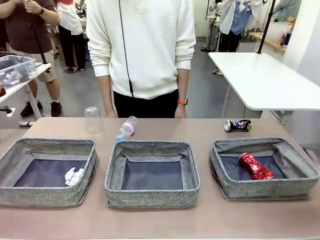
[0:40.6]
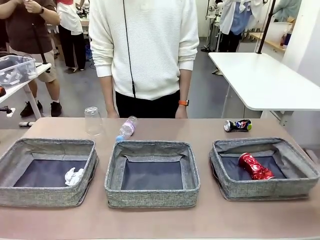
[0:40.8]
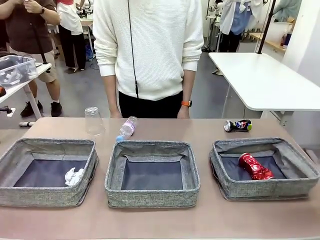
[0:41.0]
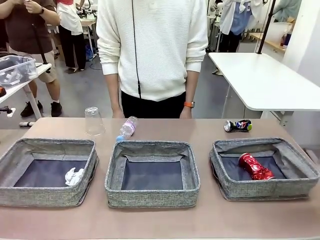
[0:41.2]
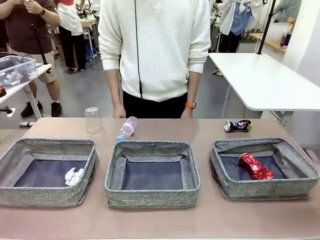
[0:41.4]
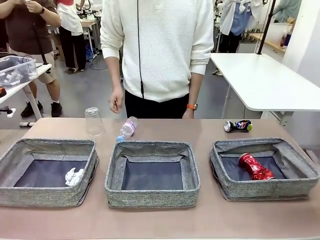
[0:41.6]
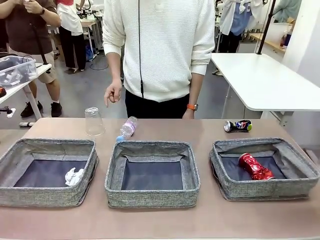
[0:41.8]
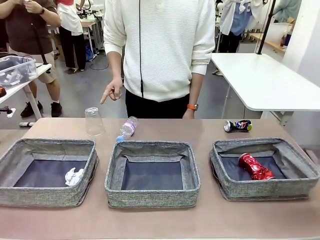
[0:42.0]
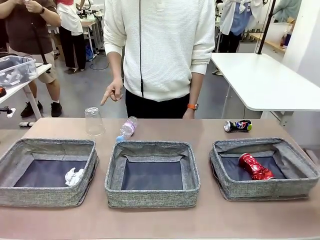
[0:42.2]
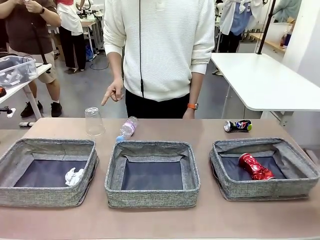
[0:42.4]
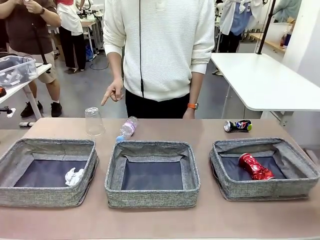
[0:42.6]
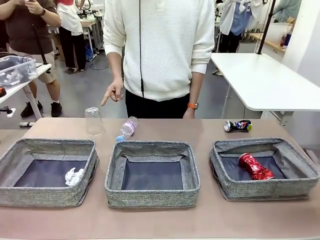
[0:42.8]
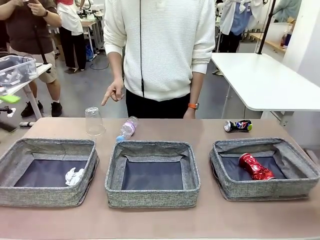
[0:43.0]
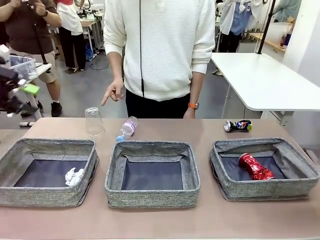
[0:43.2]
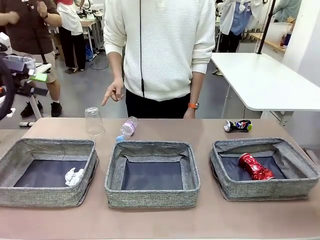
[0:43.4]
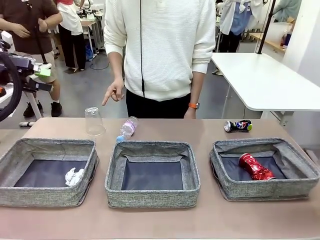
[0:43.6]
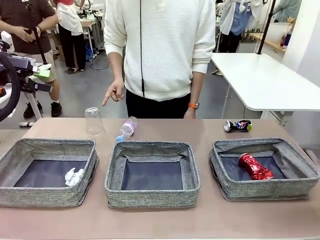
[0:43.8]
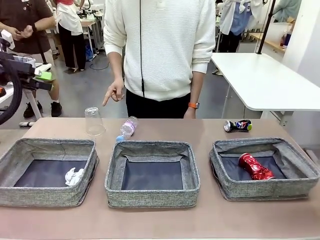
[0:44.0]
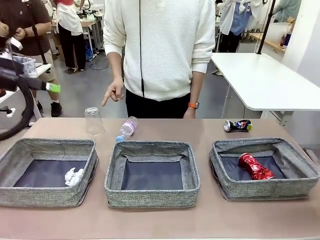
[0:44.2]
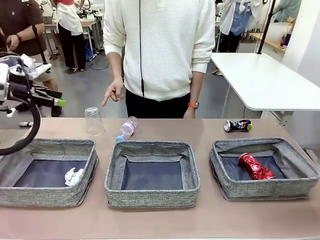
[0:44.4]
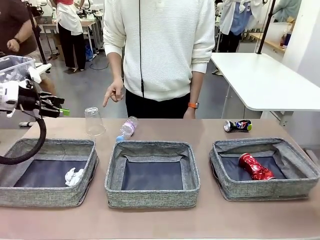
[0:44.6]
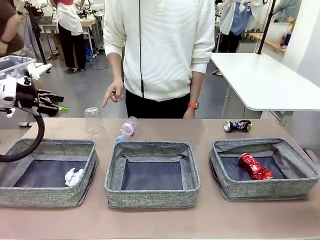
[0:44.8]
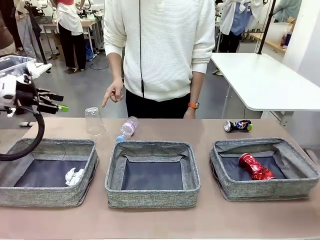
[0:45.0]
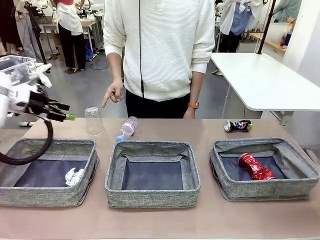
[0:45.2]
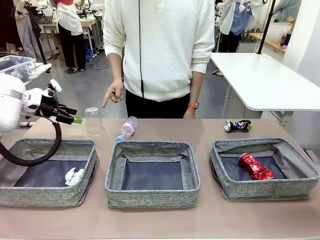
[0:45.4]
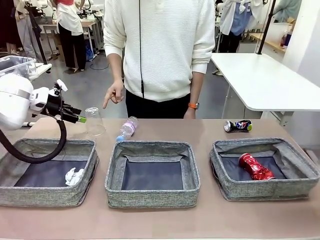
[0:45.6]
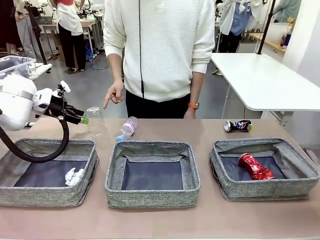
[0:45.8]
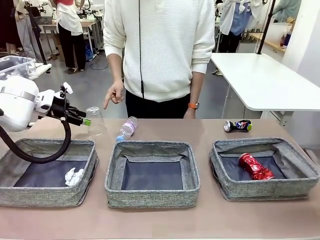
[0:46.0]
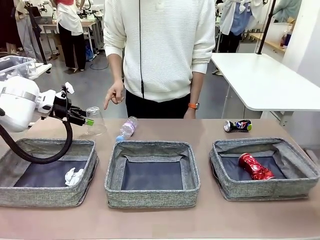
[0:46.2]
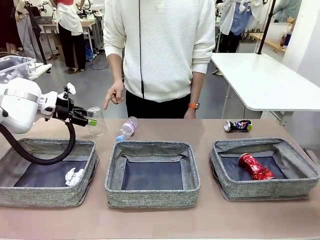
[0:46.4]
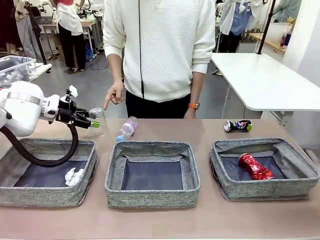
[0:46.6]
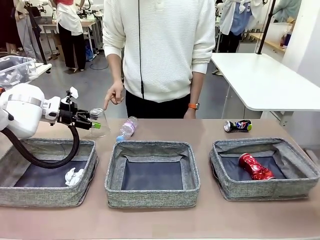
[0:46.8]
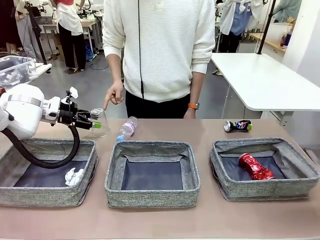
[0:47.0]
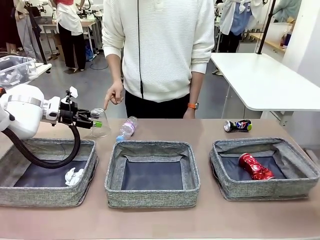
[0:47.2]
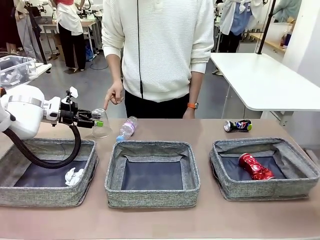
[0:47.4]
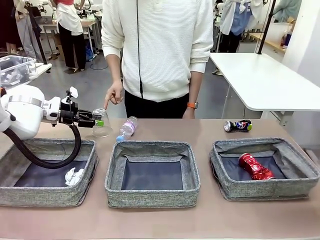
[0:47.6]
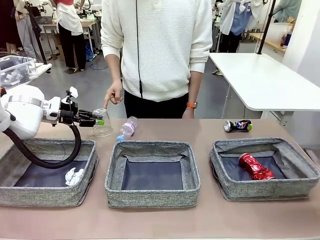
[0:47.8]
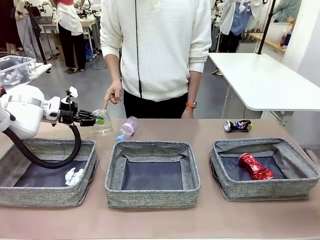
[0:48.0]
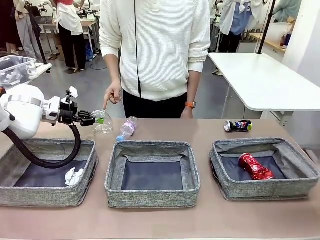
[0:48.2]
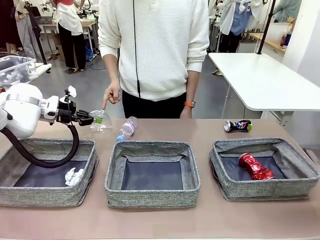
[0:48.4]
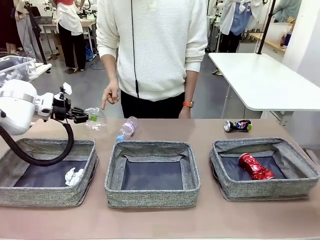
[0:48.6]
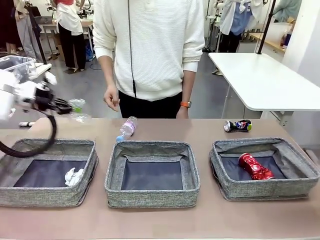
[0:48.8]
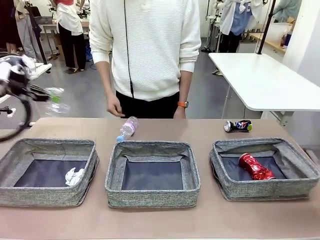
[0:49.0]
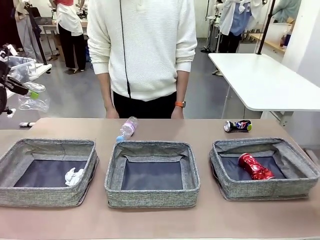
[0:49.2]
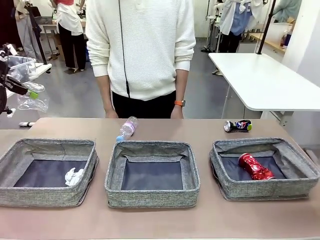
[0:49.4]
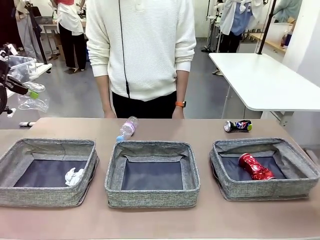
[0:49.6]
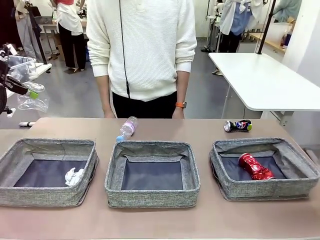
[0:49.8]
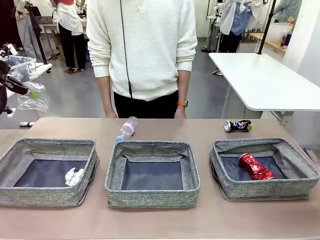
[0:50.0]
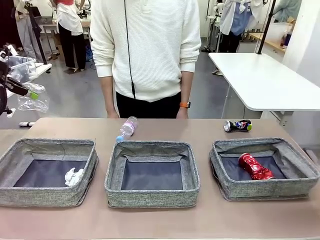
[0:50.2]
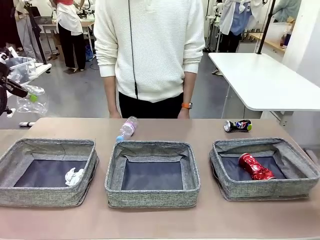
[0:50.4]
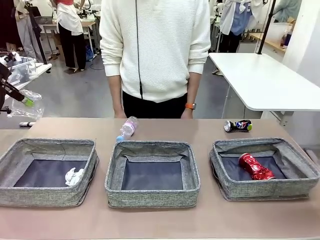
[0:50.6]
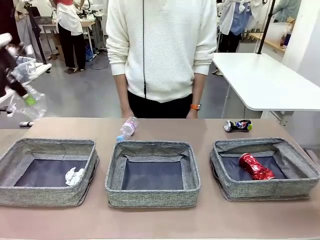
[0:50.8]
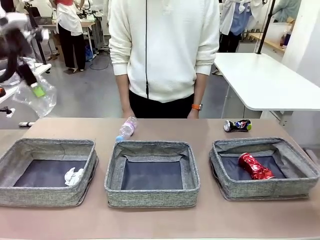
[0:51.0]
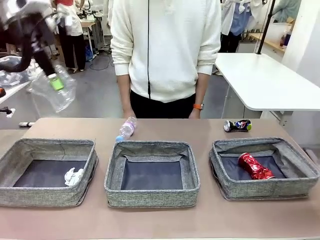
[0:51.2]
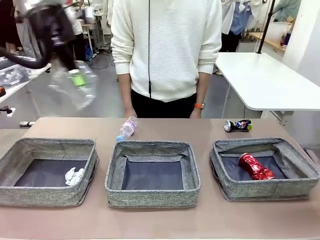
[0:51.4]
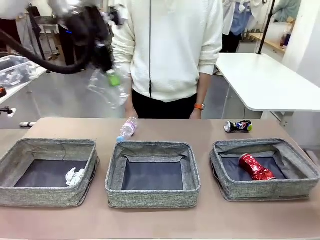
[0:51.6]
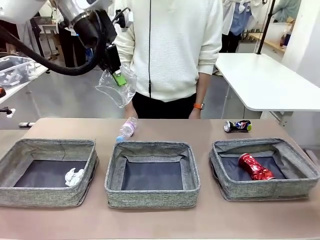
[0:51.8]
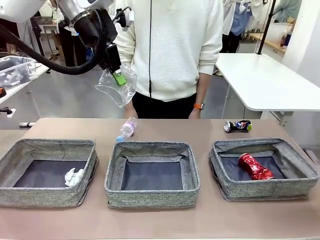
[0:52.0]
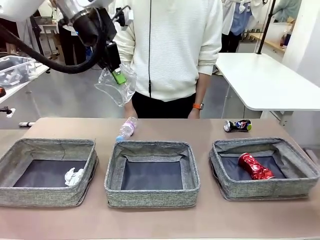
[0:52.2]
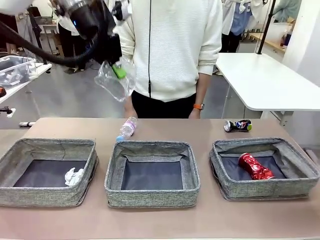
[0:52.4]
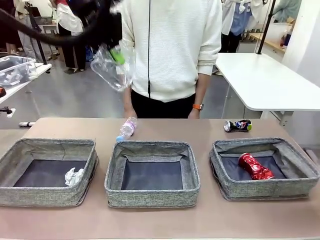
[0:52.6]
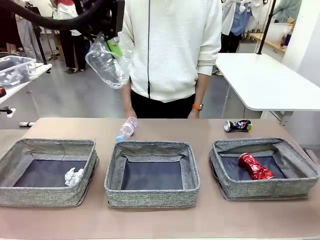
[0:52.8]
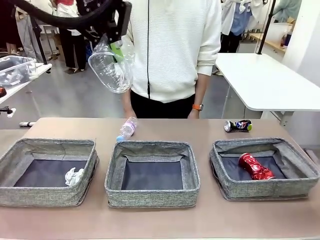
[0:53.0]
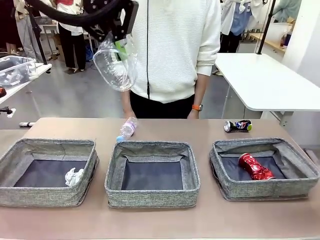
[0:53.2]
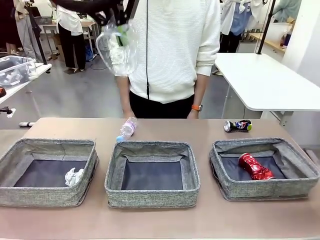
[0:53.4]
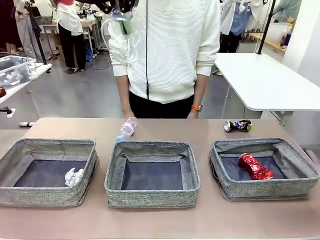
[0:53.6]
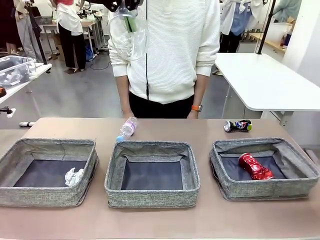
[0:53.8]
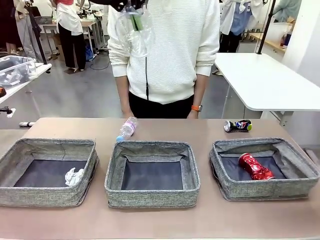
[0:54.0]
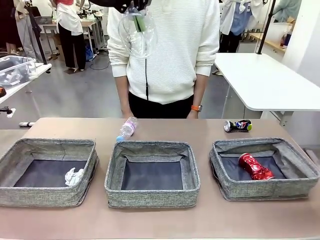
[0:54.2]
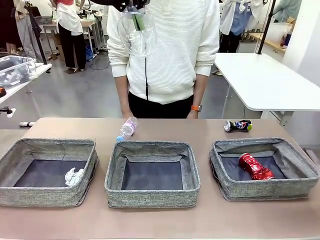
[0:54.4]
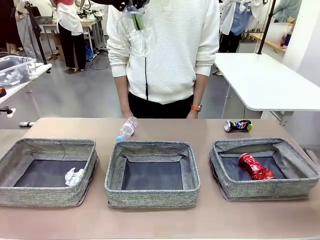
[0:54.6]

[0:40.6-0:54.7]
Task: Sort the waste into the appropriate baskets.
Robot: Pick up the waste item pointed out by the person.
Person: Points to one piece of trash on the table.

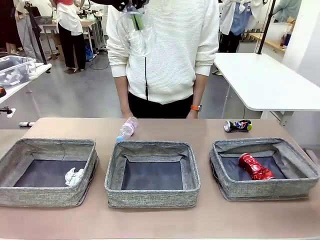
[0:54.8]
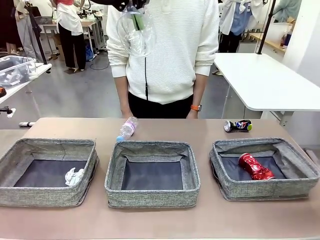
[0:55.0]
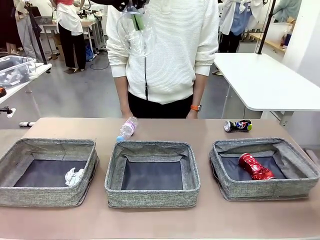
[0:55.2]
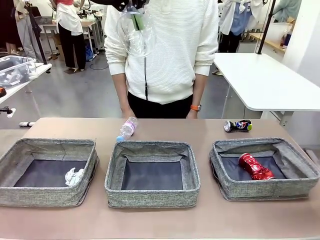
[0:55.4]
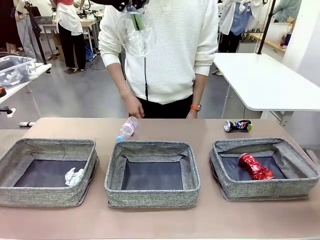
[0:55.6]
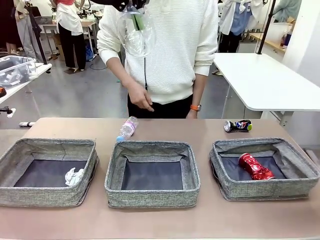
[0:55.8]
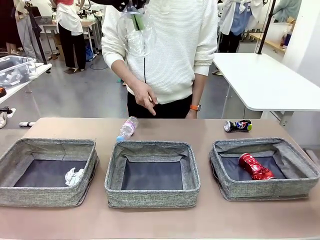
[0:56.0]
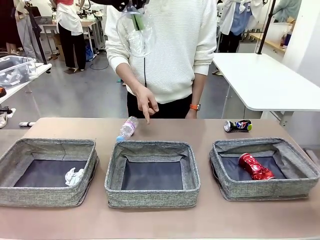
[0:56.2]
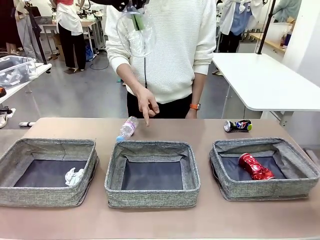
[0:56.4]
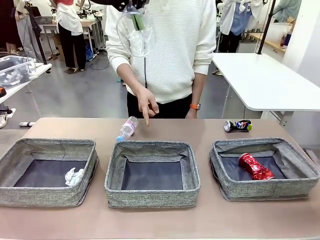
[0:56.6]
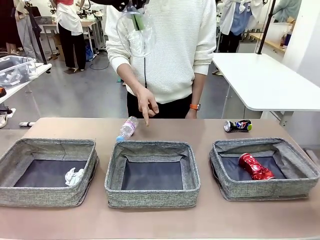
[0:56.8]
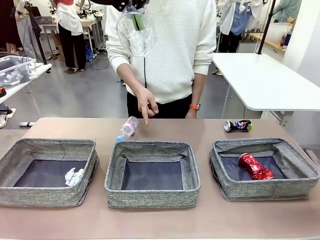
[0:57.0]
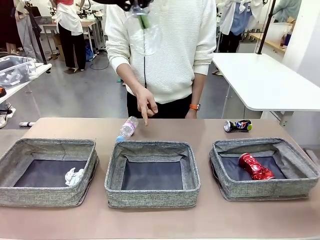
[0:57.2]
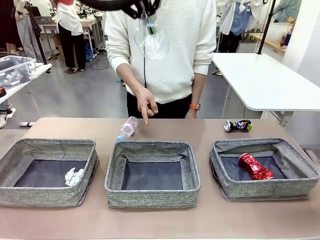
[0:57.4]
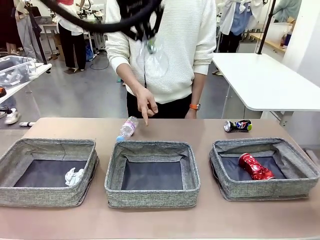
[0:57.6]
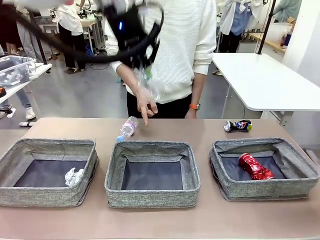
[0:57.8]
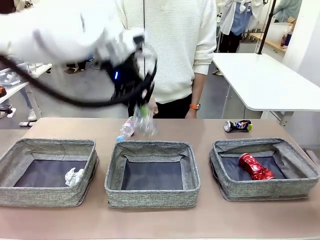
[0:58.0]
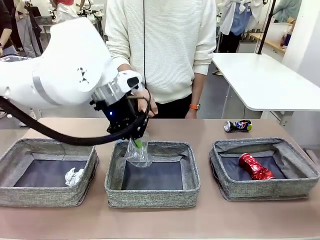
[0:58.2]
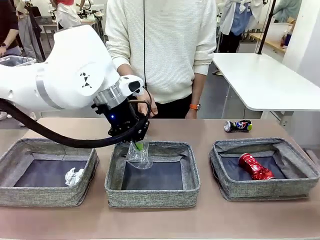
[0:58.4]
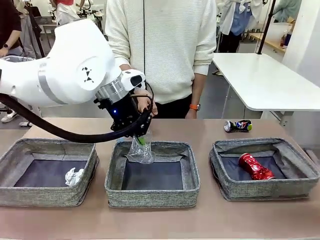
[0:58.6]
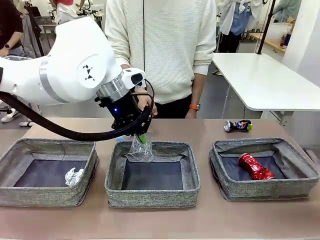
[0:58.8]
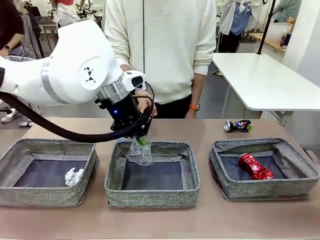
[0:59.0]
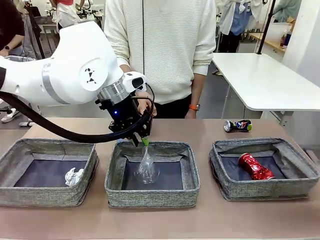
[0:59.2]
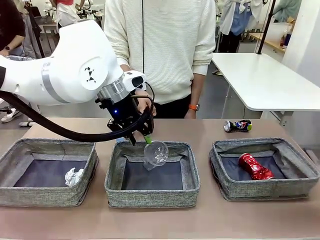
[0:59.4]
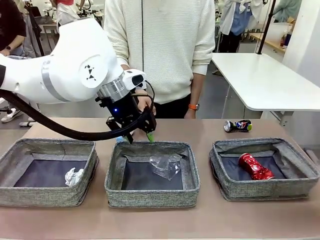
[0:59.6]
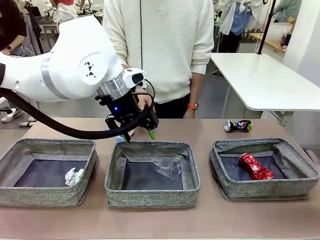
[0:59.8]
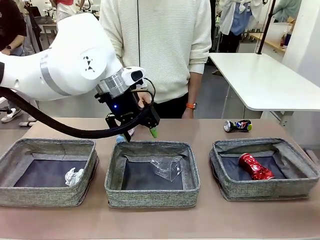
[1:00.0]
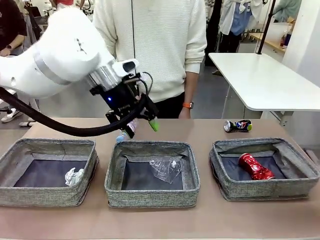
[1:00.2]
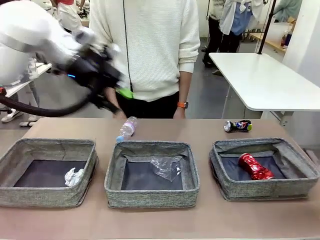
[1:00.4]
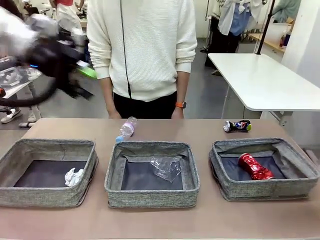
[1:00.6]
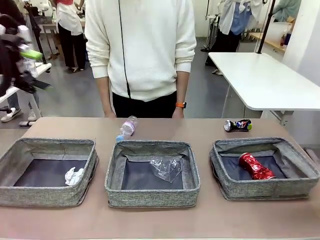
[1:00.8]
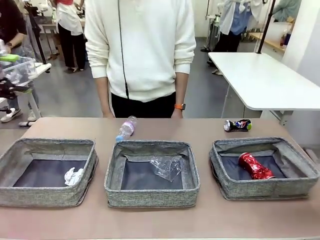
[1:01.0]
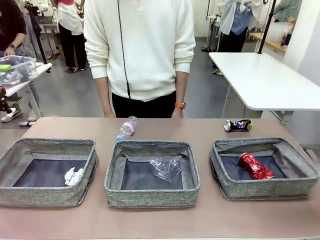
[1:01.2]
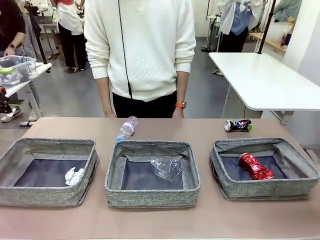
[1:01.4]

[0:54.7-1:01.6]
Robot: Place the picked waste into the Fabric basket indicated by the person.
Person: Instructs the robot to place the picked-up trash into the appropriate organizing basket.
